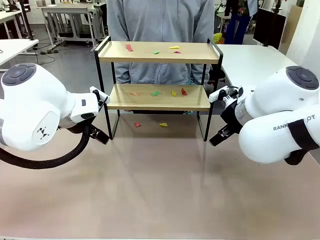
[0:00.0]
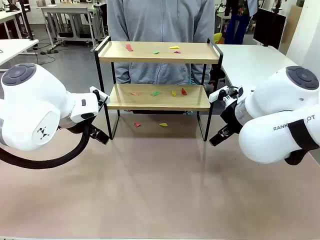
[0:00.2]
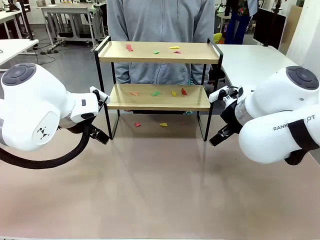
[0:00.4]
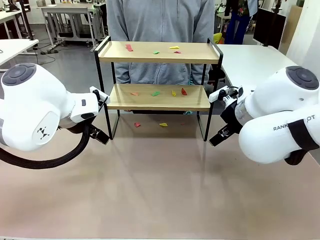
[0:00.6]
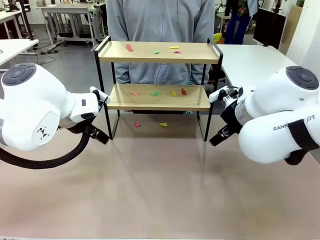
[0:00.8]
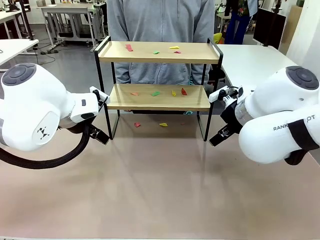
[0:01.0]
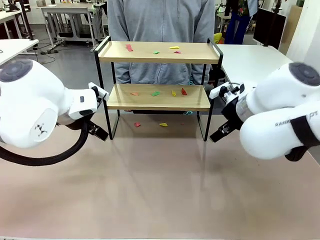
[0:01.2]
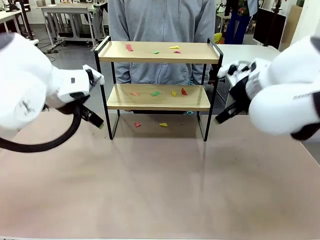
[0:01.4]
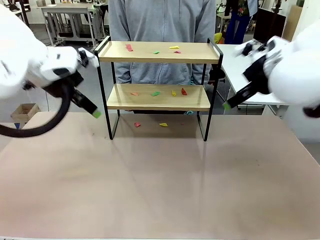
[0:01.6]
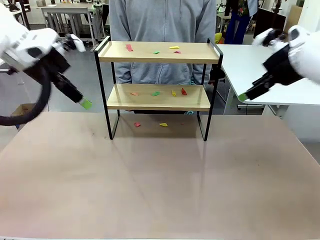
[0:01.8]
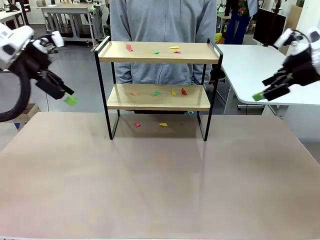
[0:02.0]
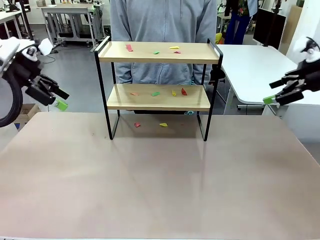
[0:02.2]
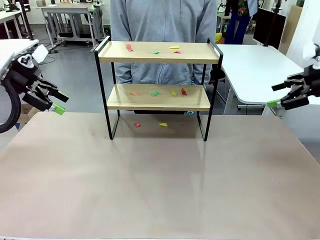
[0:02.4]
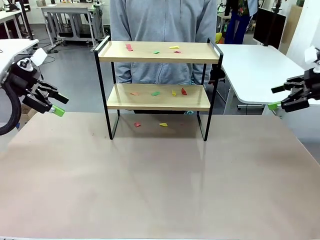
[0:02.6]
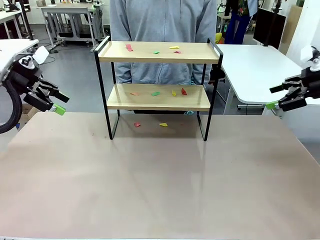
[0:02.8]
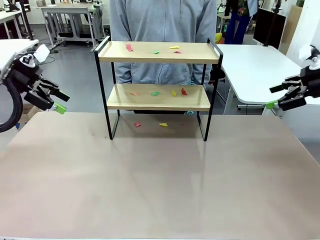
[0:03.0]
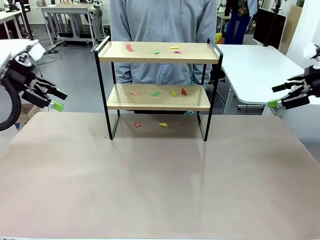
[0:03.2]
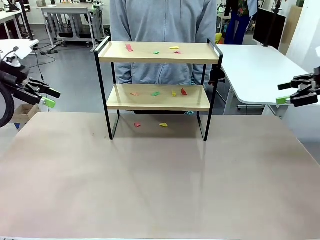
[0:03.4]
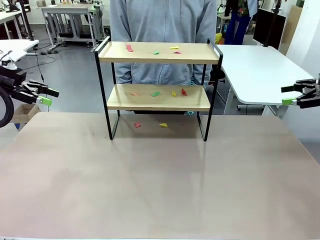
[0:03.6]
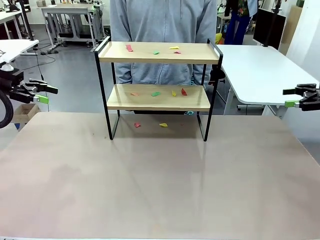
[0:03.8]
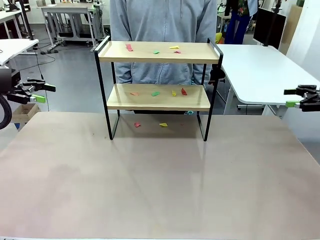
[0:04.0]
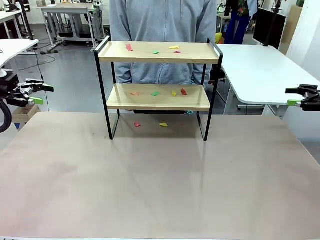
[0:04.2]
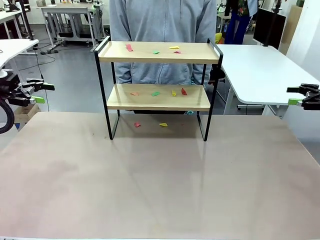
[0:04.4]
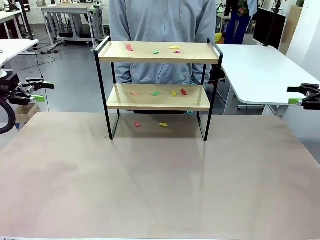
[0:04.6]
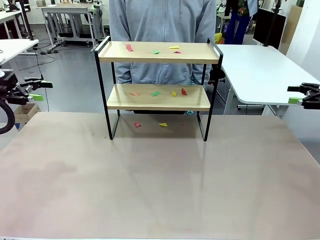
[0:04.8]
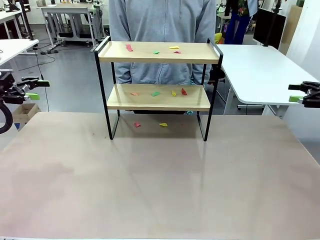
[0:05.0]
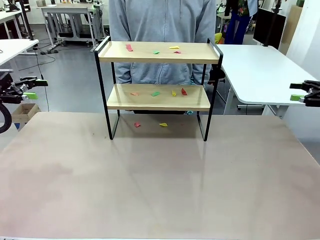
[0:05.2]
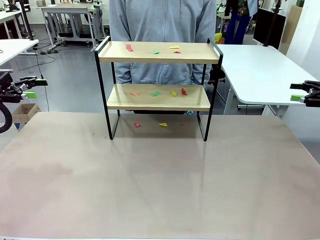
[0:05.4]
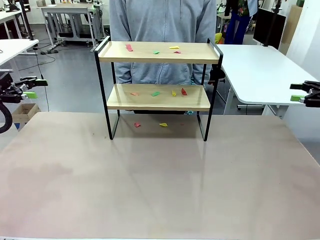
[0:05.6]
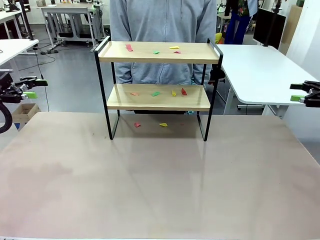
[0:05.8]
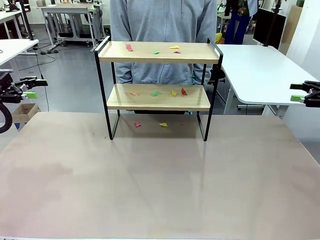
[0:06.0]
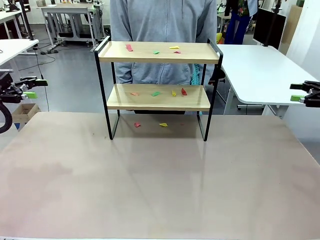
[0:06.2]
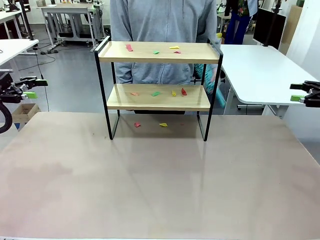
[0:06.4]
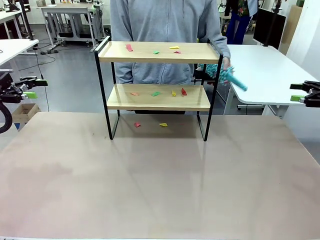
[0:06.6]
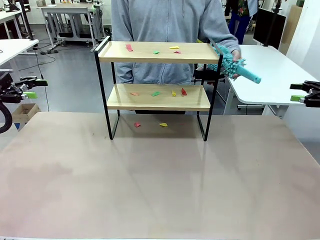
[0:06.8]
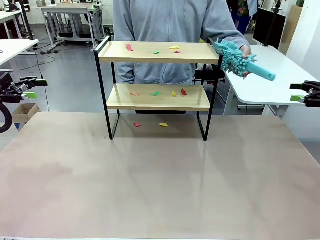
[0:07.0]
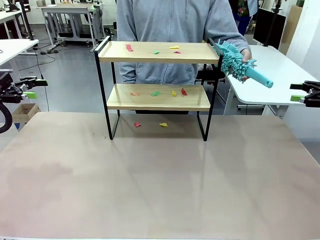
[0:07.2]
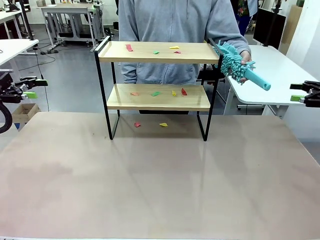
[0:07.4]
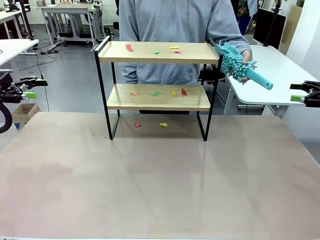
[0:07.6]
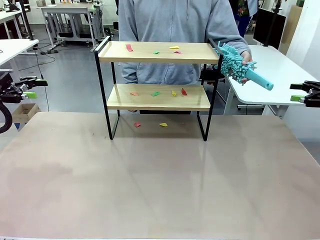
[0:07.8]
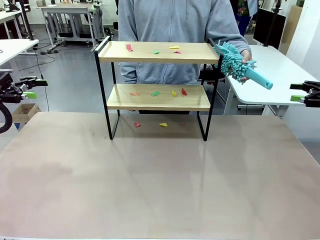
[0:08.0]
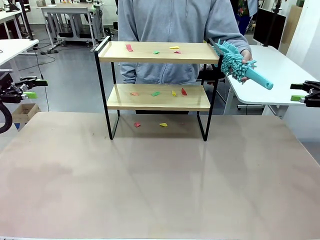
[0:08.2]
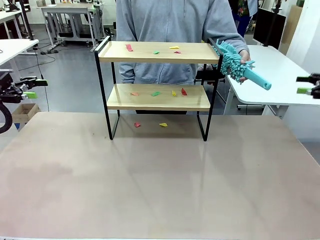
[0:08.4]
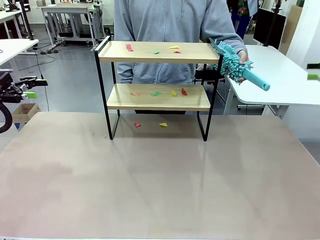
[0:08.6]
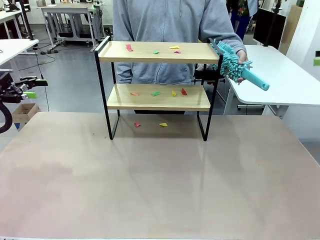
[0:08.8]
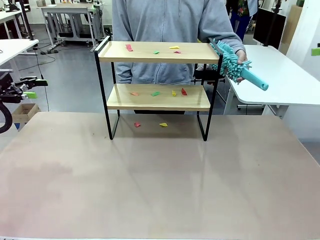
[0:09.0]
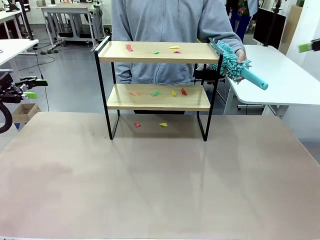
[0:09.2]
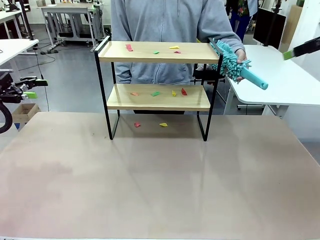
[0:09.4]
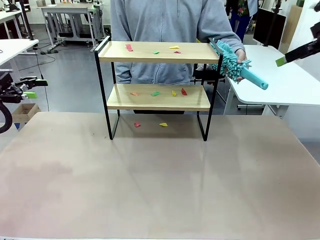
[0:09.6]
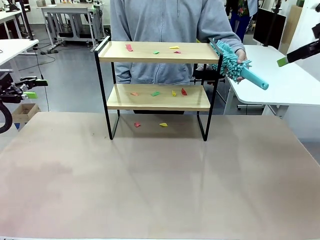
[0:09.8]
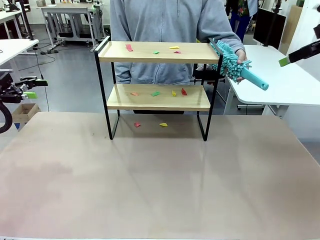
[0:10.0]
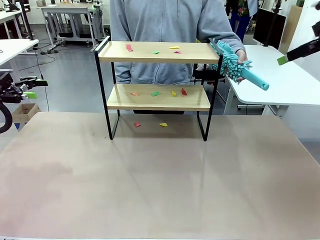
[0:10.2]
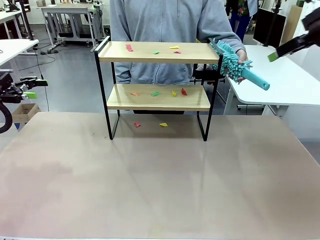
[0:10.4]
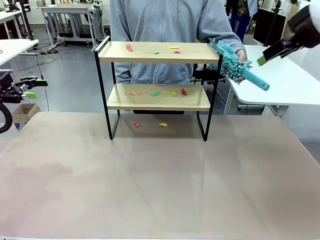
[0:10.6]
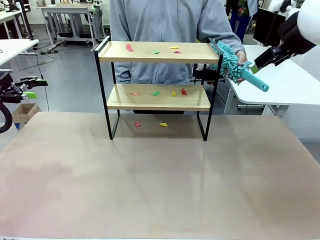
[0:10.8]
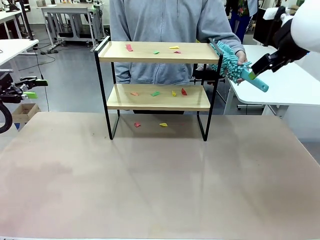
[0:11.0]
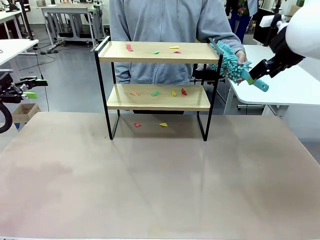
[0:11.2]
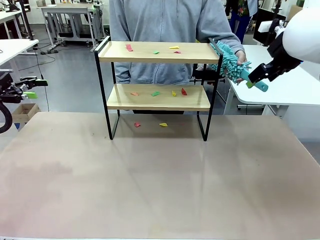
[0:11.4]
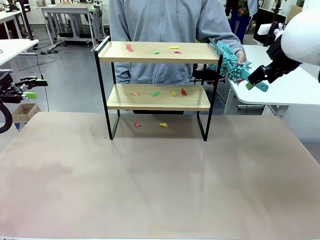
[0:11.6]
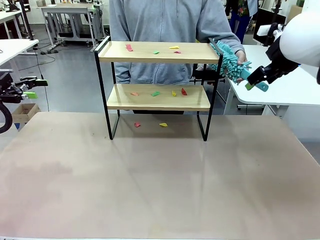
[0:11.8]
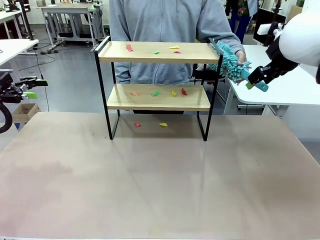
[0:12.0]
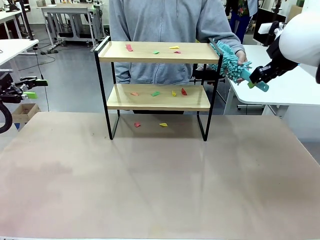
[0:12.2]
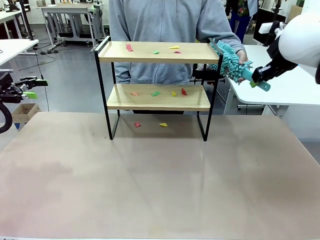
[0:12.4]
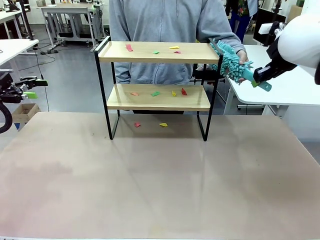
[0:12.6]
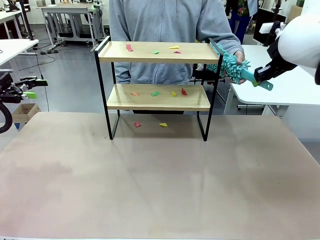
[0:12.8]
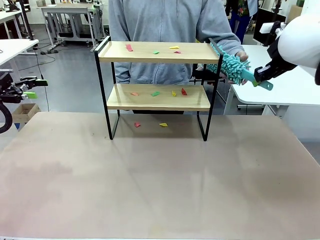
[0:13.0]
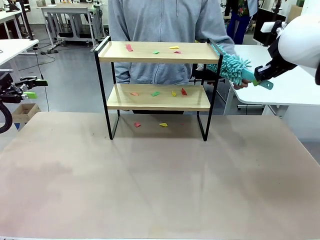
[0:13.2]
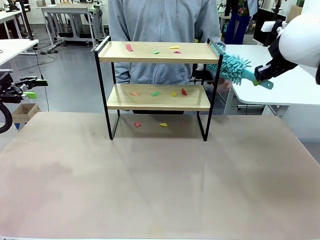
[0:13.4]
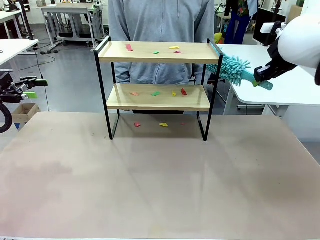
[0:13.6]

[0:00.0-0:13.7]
Task: Clean the shelf.
Robot: Pick up the Duster handed by the human.
Person: Hand the Duster to the robot.
